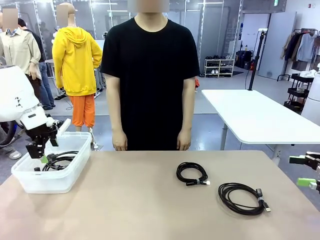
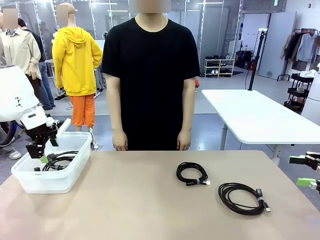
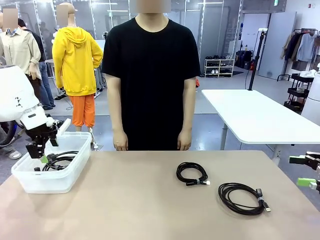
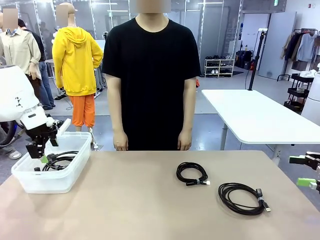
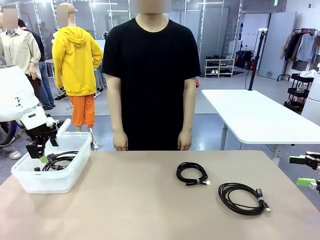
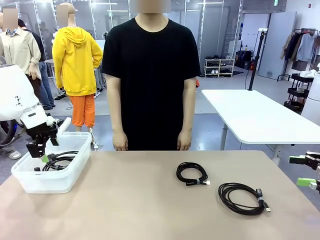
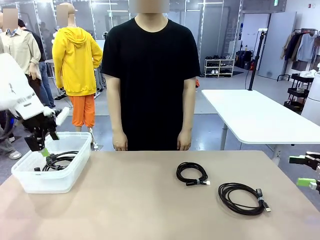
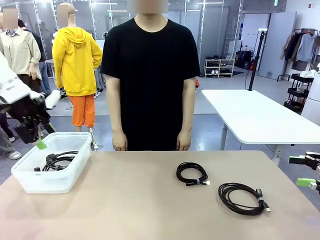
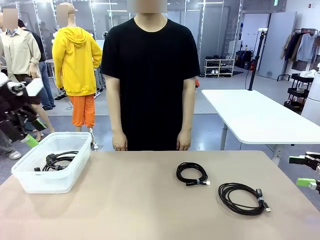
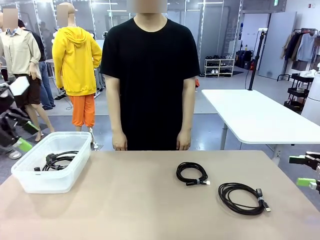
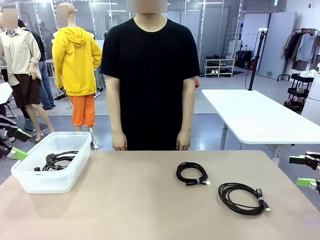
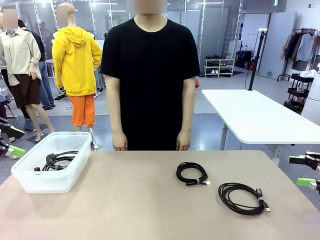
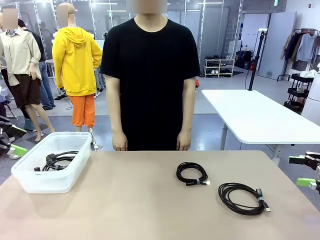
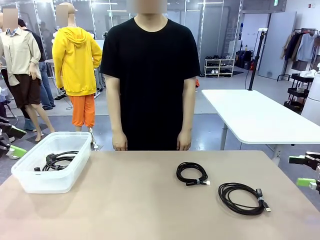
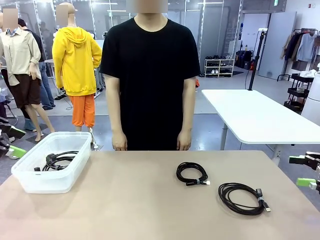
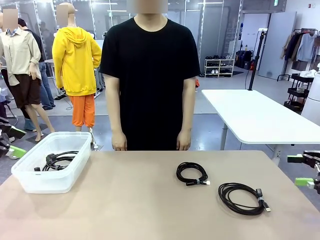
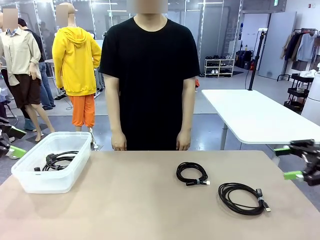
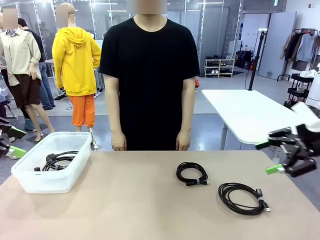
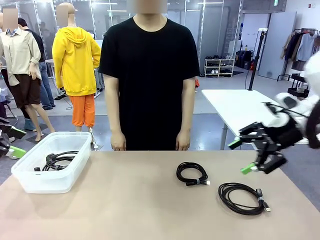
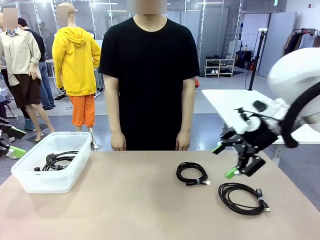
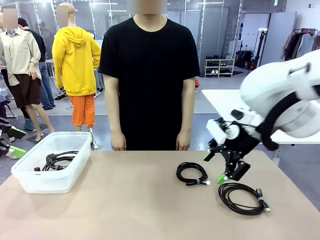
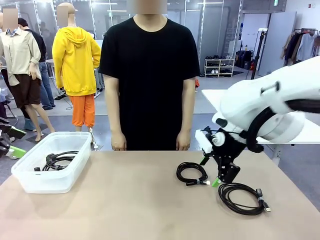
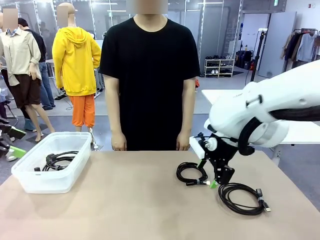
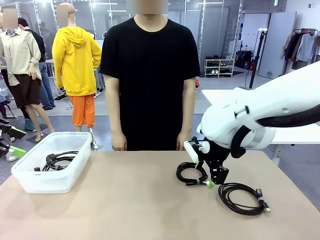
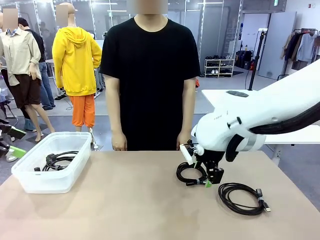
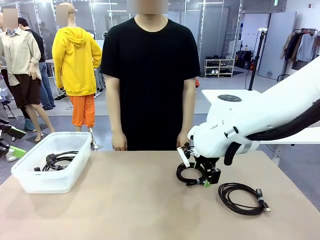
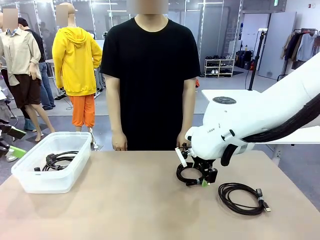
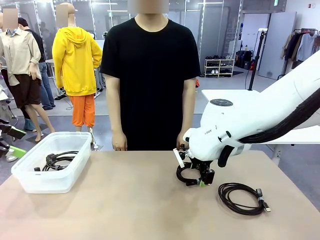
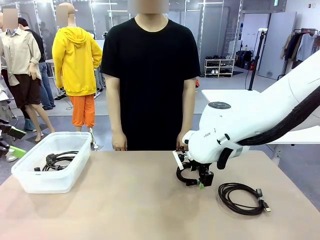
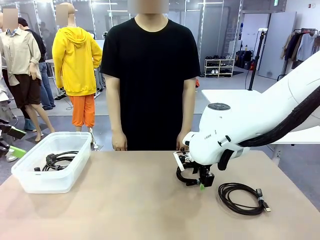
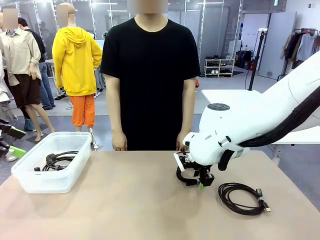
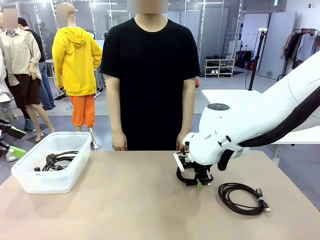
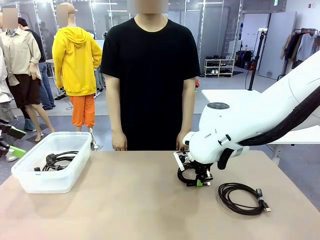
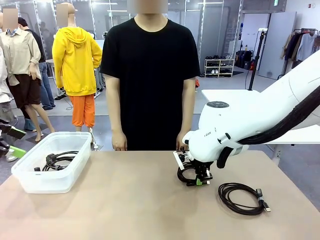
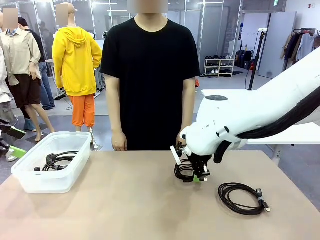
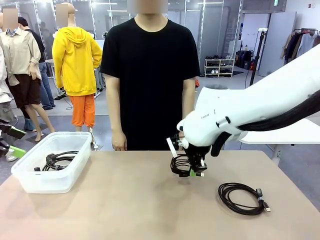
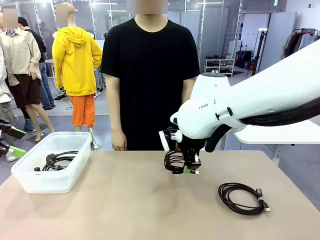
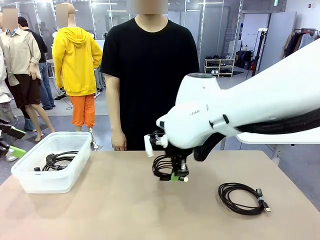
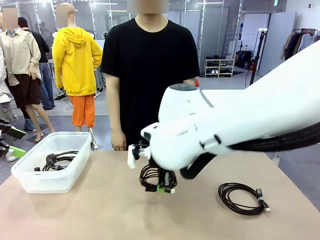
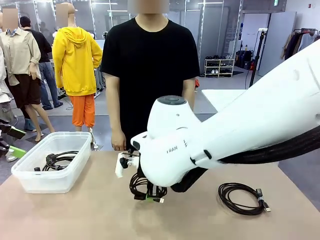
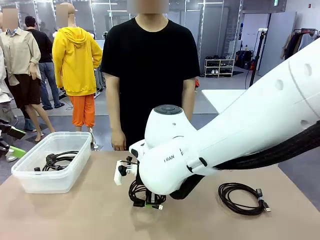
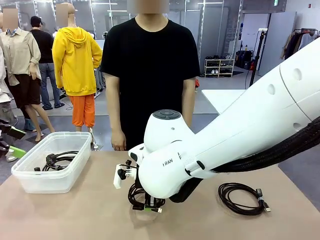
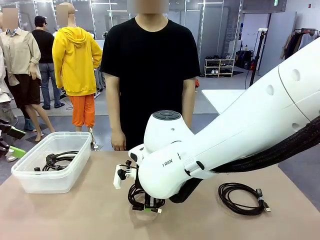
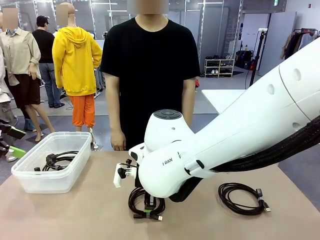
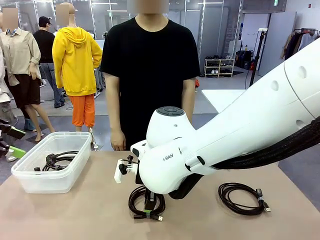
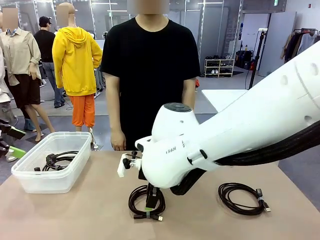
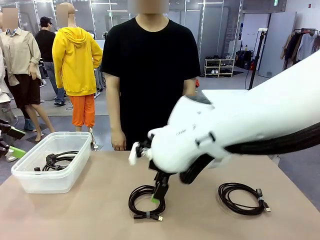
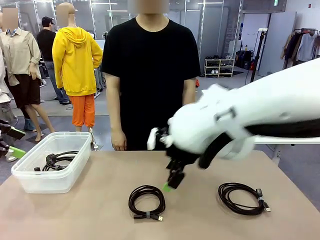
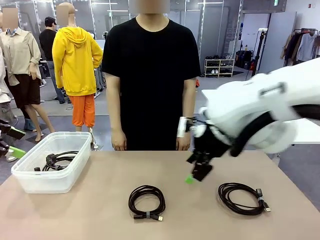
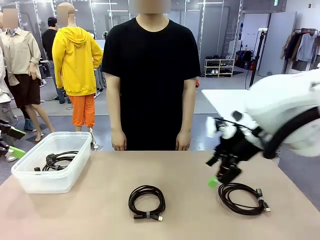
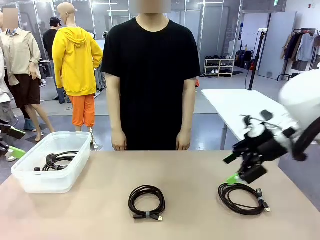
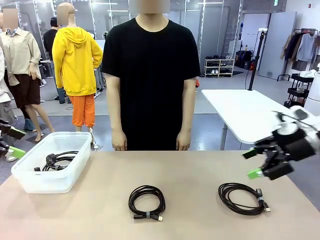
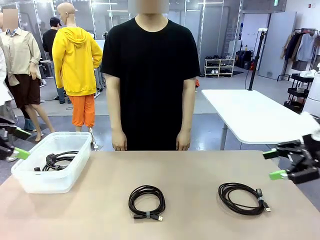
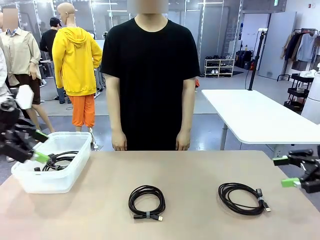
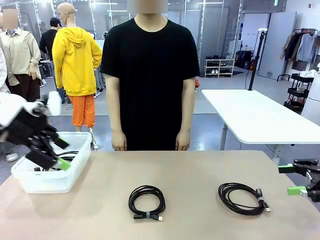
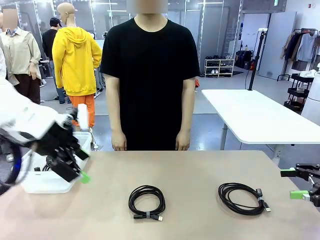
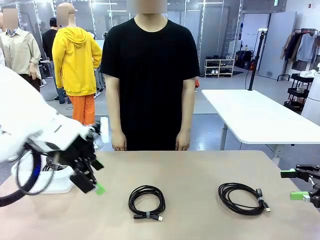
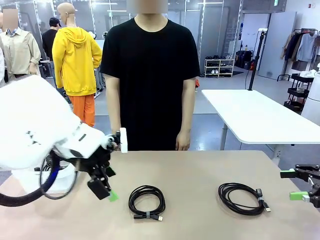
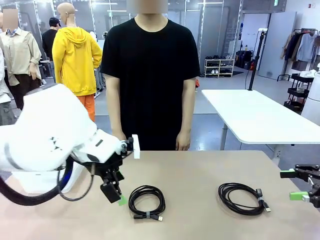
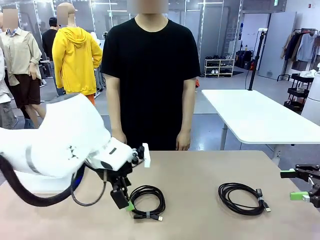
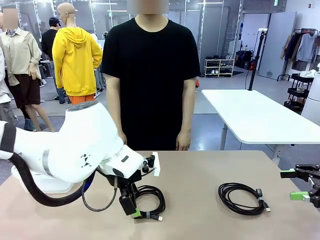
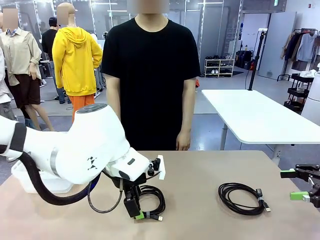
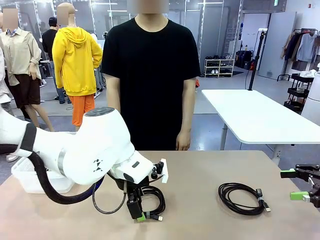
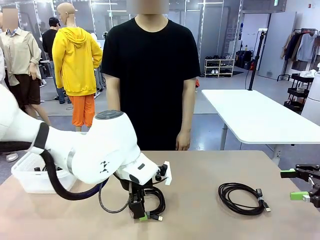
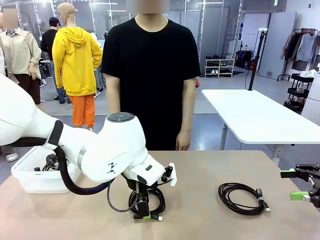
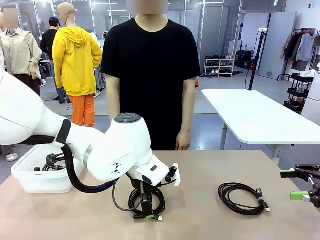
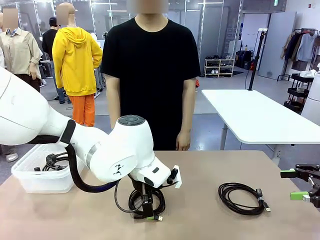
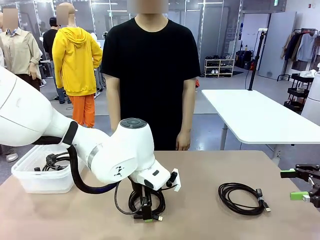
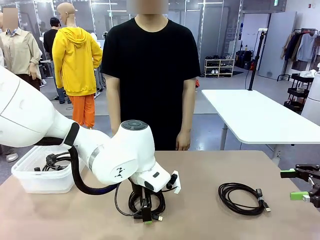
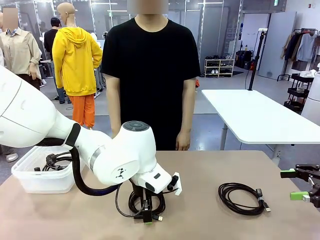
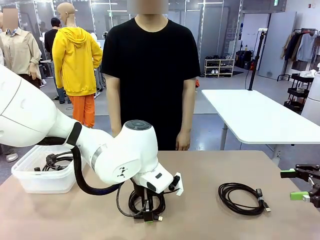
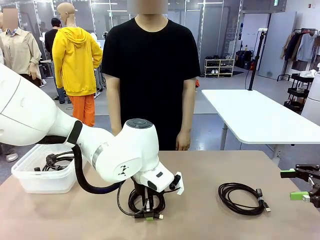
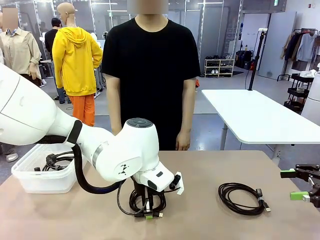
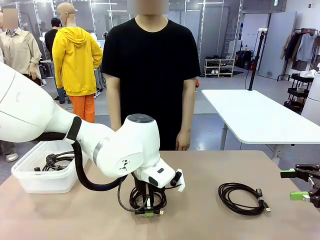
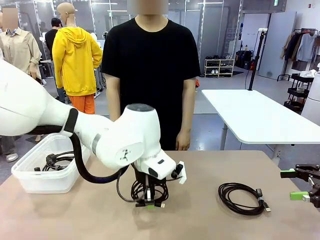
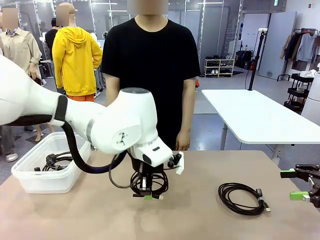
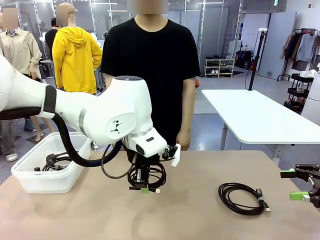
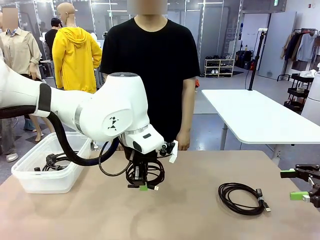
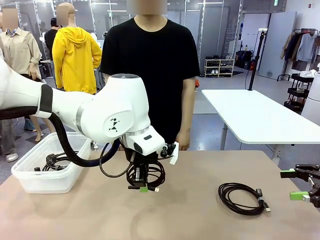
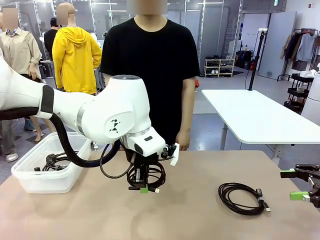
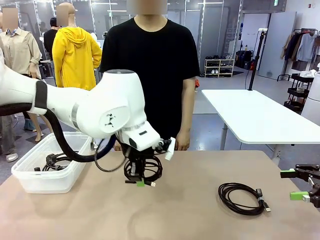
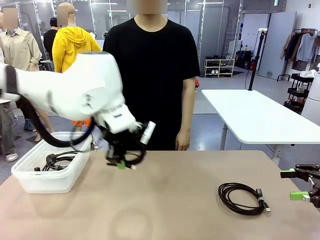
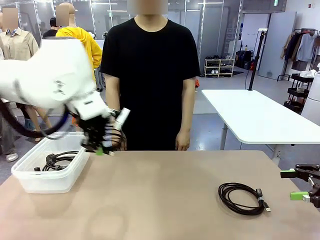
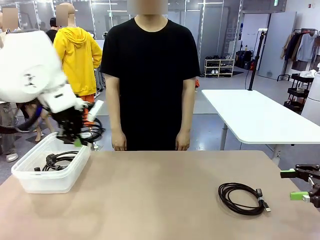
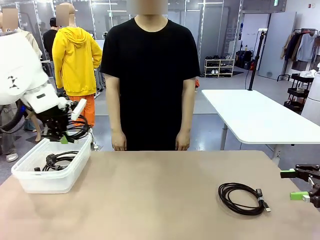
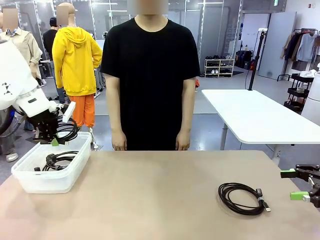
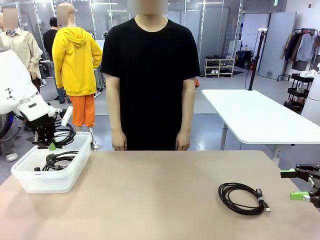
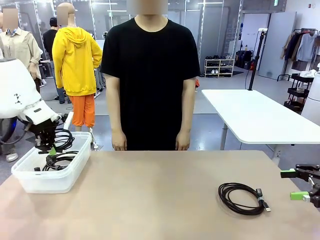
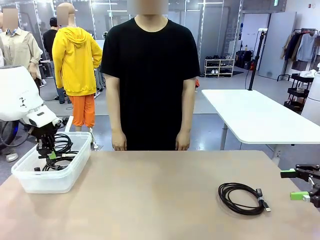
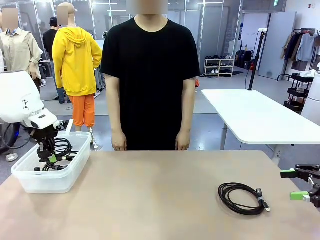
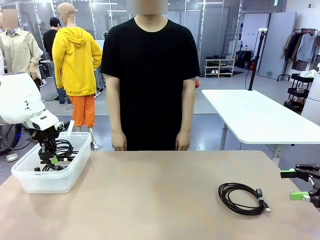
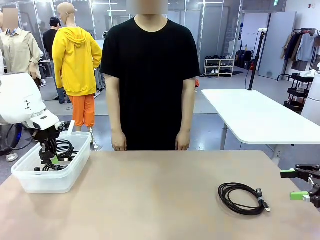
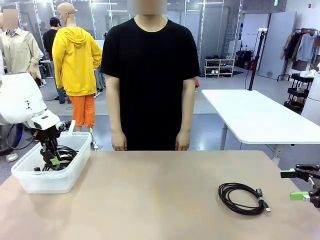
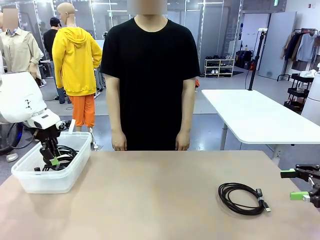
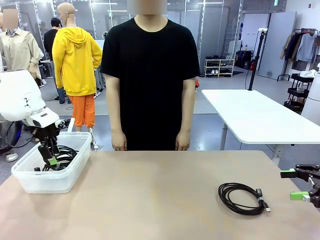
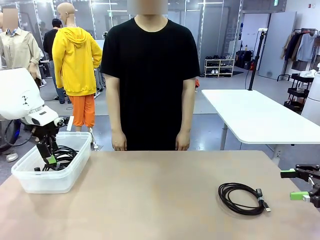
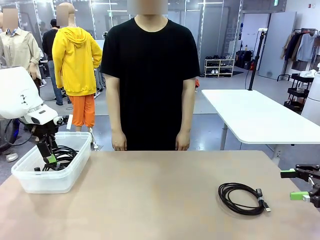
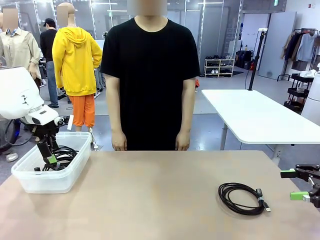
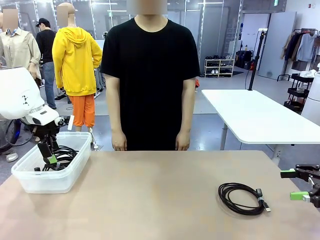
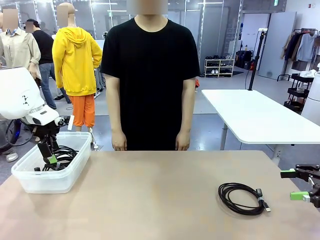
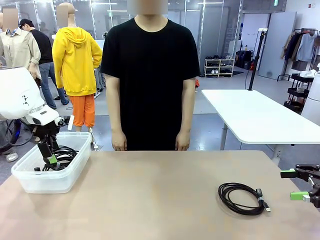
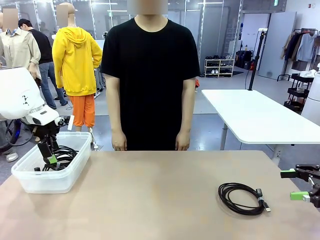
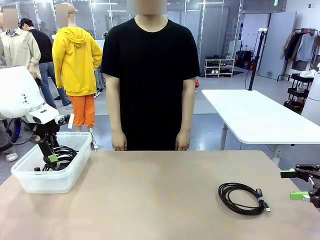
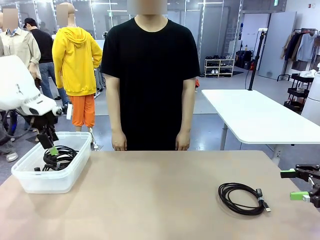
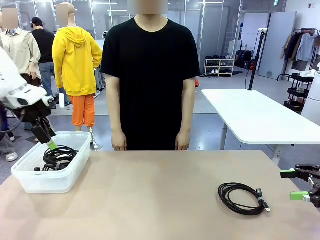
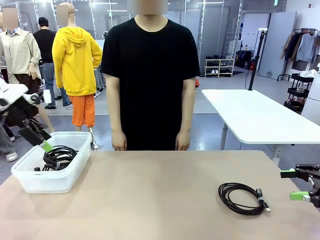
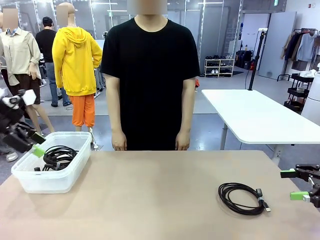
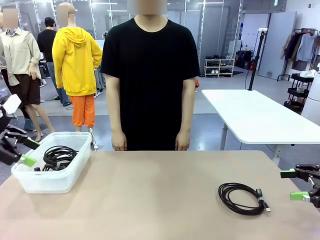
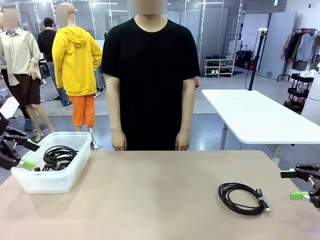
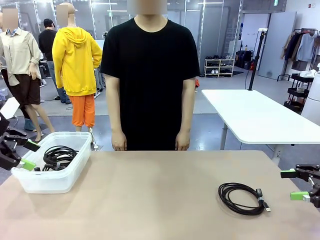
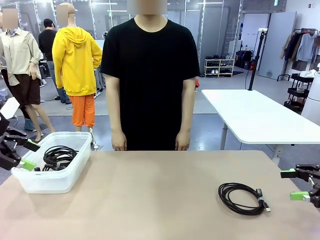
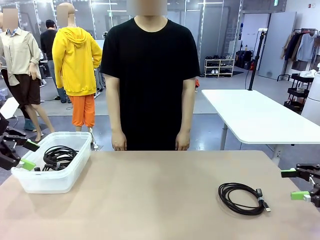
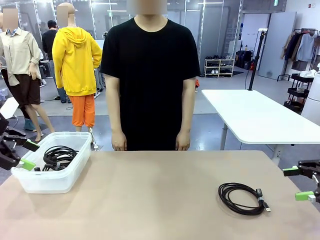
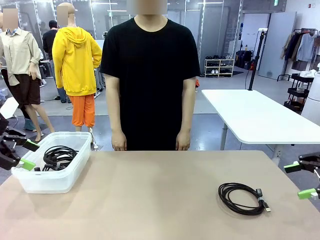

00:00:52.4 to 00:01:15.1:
Task: Organize and store the cables.
Robot: Place the USB Extension Cable into the Organizing box.
